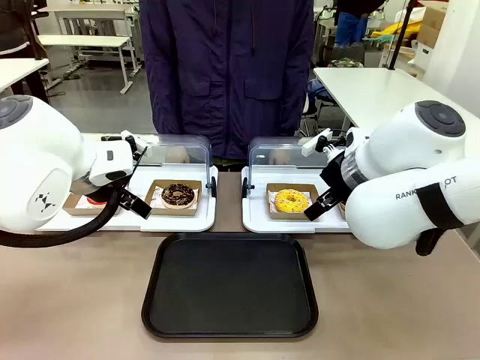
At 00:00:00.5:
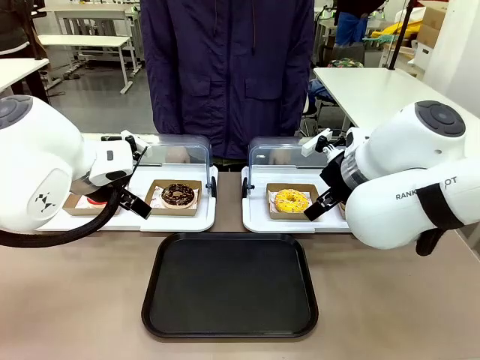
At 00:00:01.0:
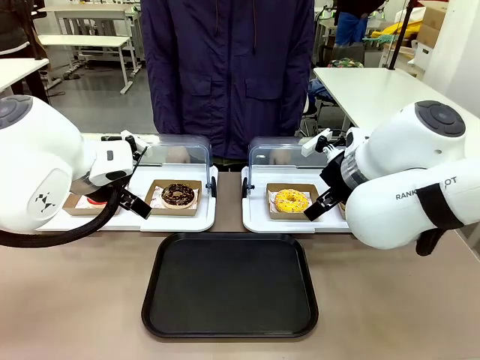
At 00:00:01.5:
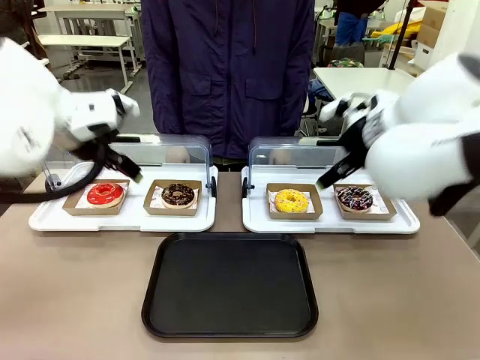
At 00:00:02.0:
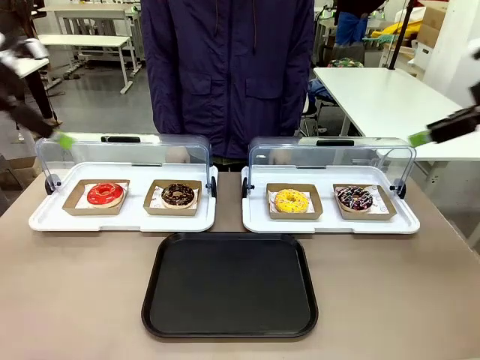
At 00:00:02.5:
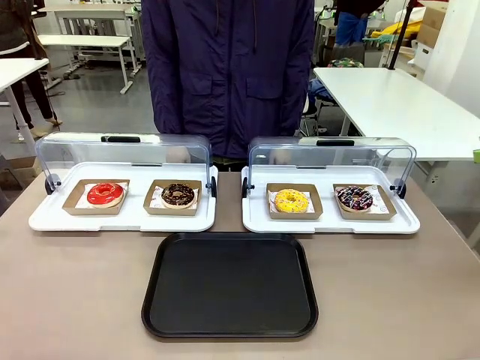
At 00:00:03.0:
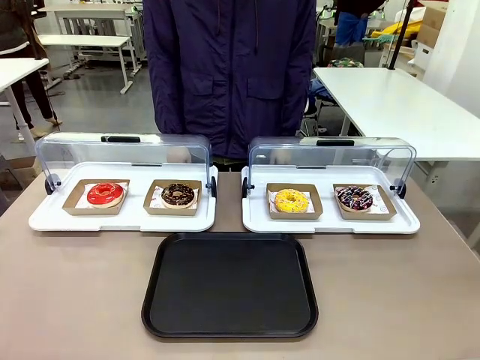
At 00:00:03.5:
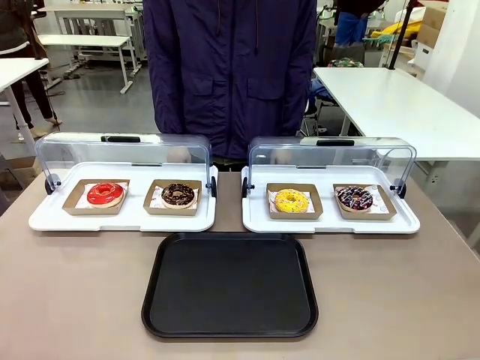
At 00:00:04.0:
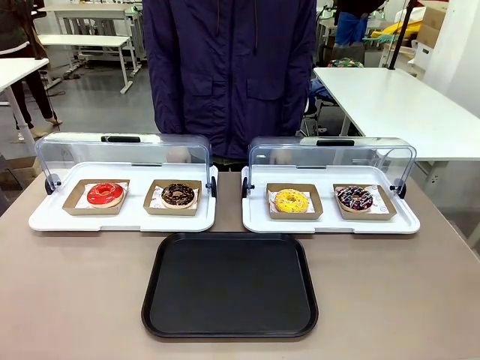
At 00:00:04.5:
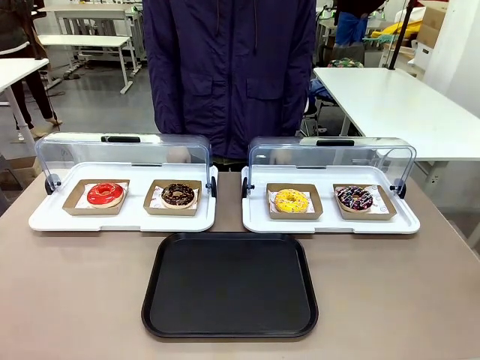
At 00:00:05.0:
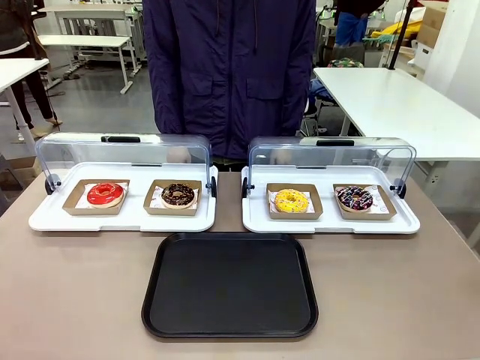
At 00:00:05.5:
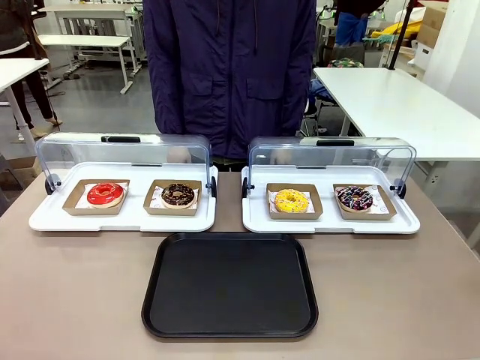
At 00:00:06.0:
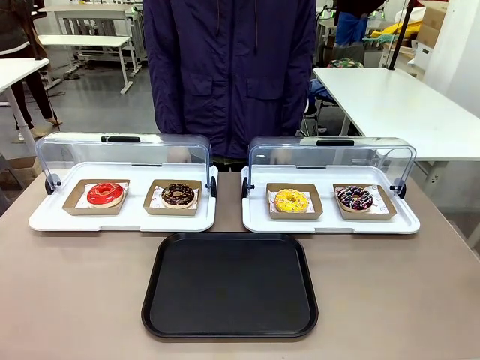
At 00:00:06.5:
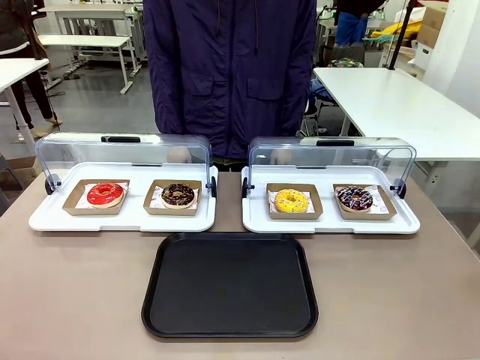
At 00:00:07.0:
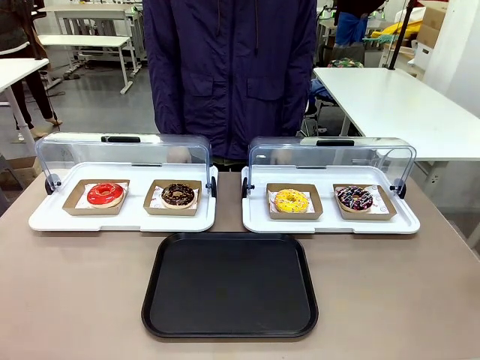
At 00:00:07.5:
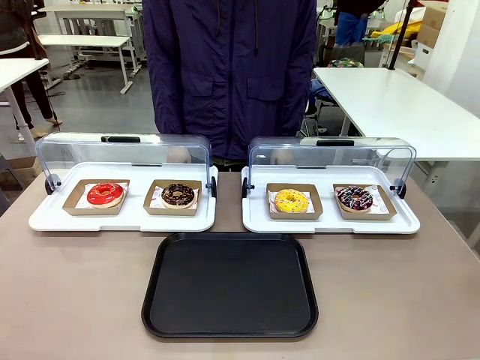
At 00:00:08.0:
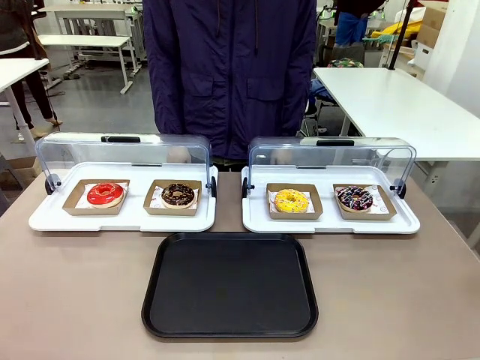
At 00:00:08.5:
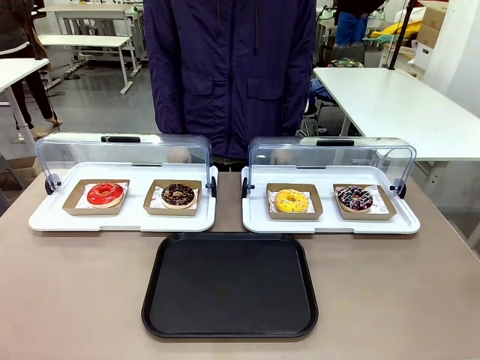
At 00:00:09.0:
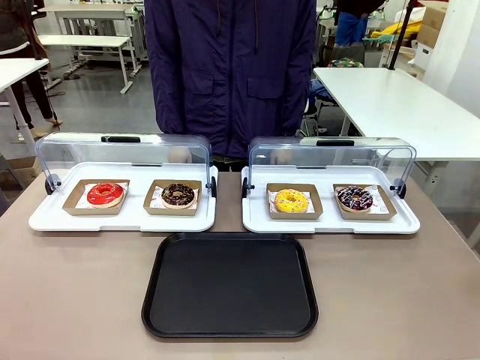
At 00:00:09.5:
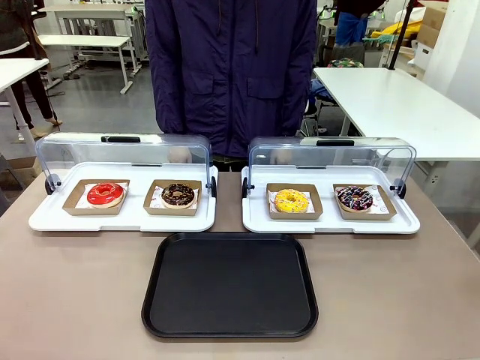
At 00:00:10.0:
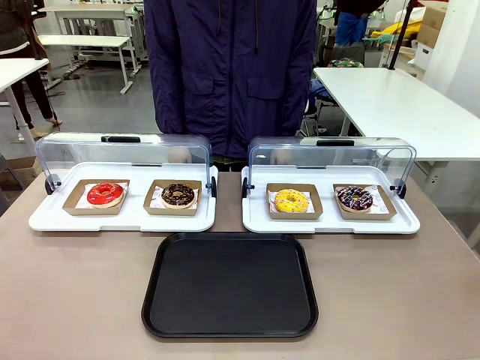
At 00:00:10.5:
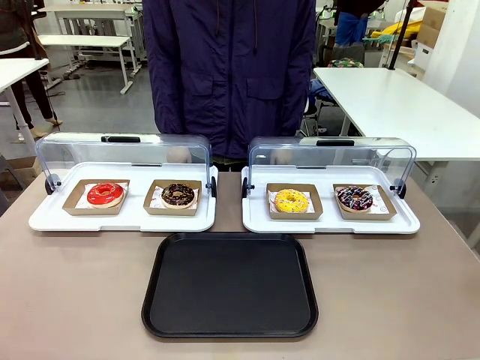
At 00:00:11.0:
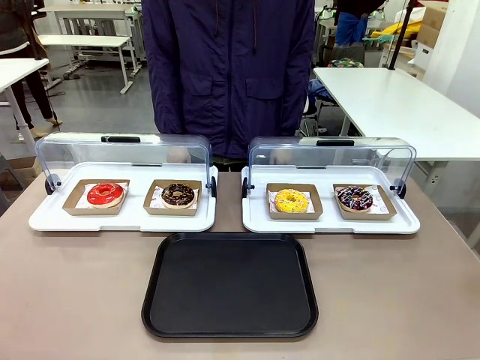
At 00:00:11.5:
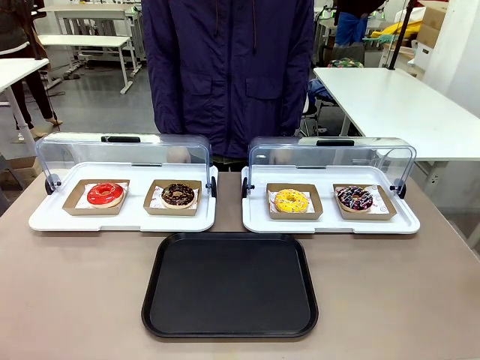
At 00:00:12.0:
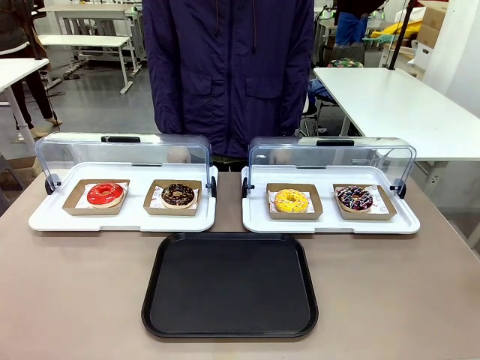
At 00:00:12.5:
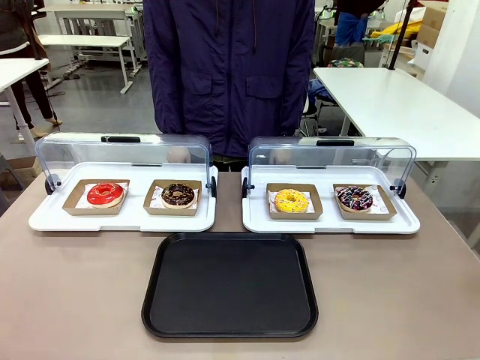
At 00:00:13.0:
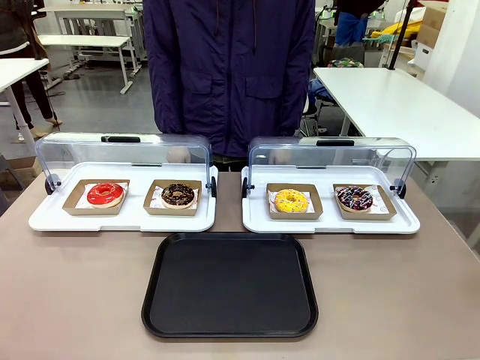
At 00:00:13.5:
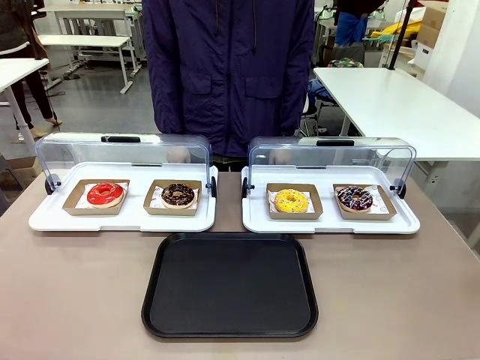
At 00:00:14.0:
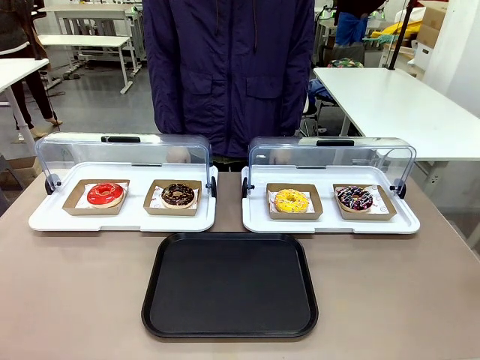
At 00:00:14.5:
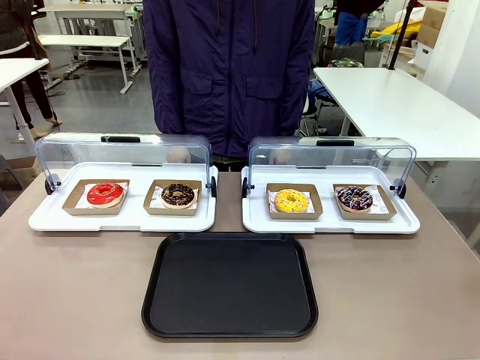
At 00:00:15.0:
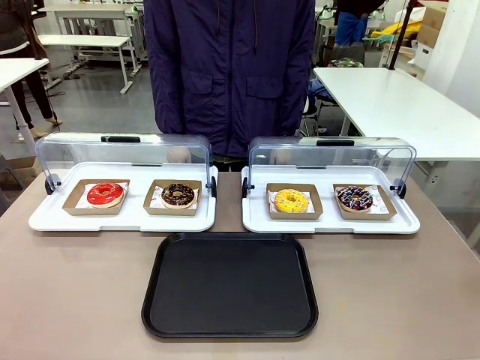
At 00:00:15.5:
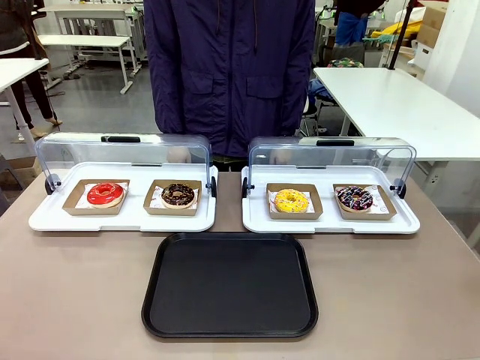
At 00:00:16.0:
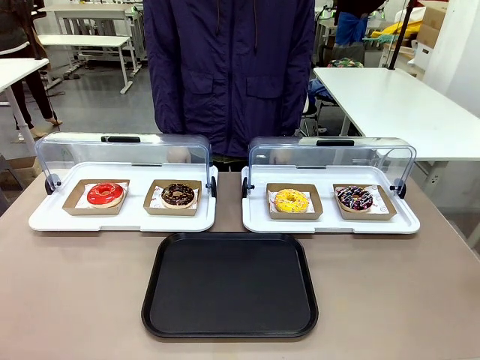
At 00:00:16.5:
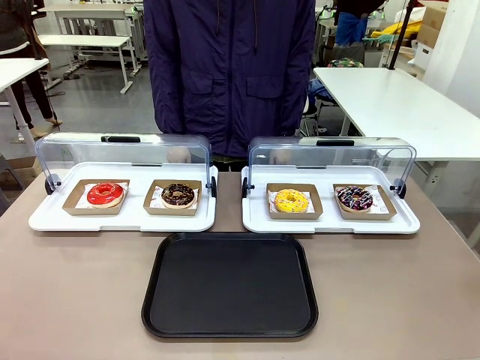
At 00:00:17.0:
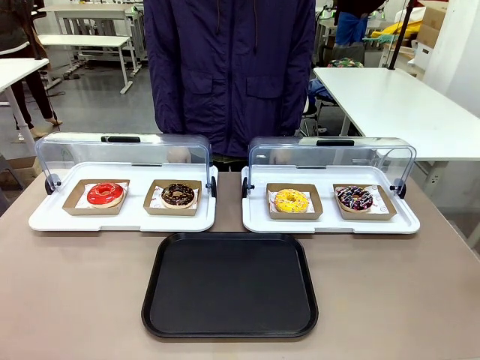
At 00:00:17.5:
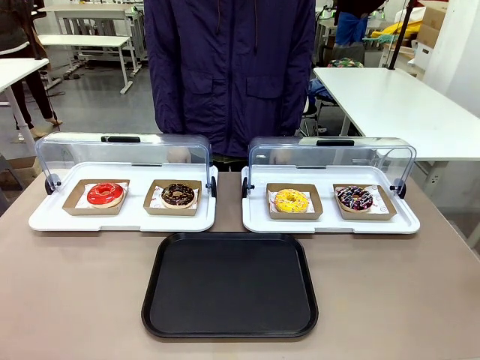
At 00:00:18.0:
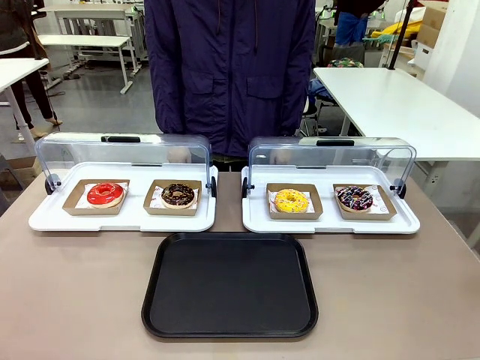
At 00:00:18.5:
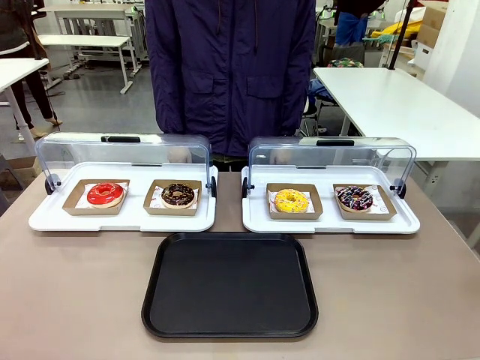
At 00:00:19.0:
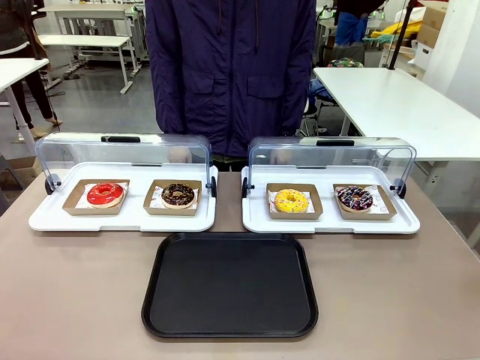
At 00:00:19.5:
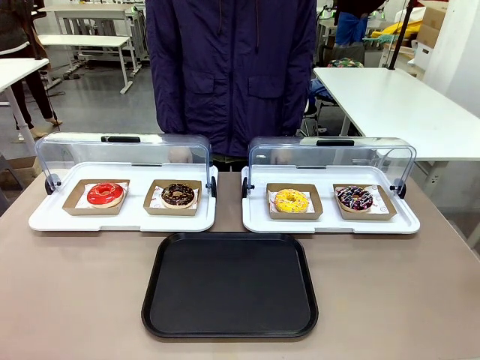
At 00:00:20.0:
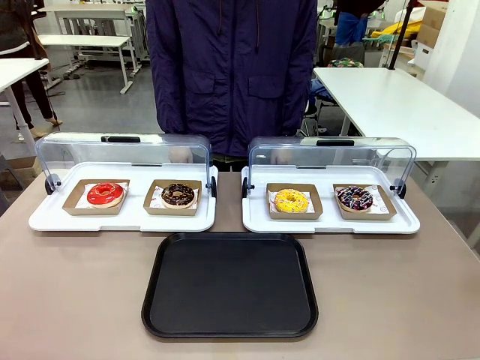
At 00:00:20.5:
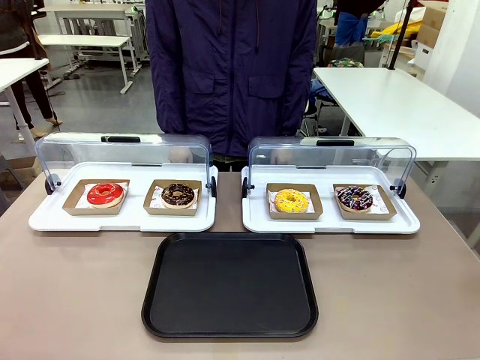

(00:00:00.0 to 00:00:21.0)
Task: Move the third donut from the left to the tray.
Robot: Pick up the Paper togo box containing the Donut indicated by the person and place it on the Handle tray.
